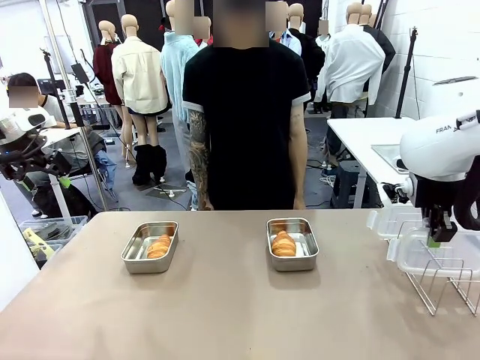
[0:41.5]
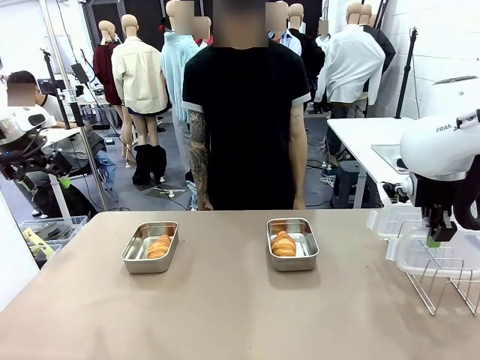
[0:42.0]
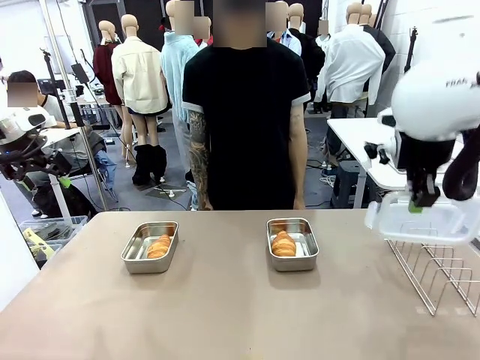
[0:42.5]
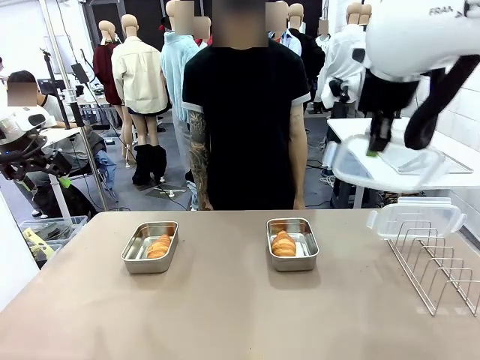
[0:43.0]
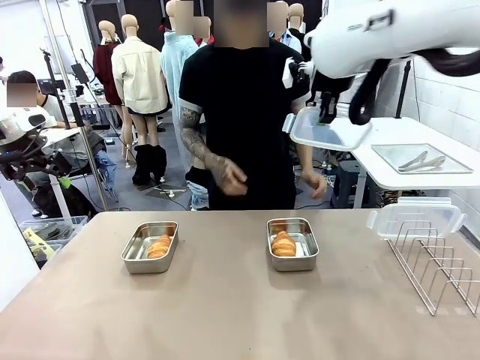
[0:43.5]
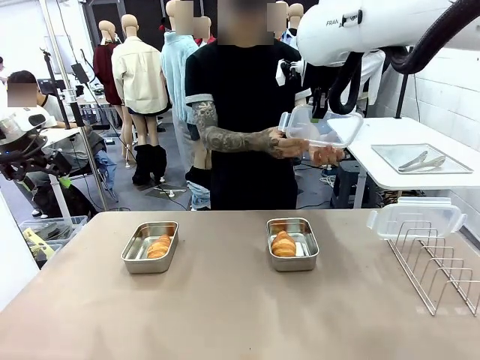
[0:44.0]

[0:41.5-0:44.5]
Task: Place the bread in airtight containers.
Robot: Release when the human grabs the Airtight Container lid.

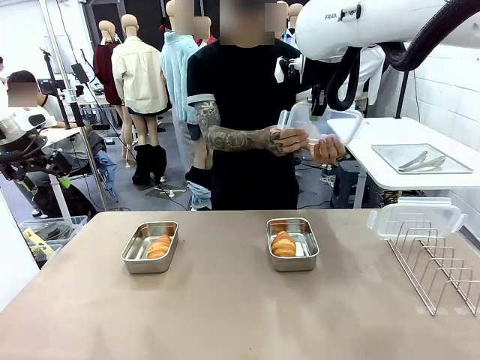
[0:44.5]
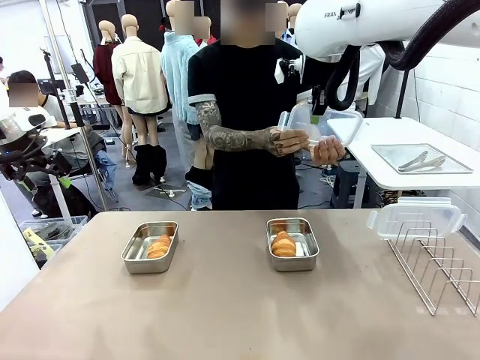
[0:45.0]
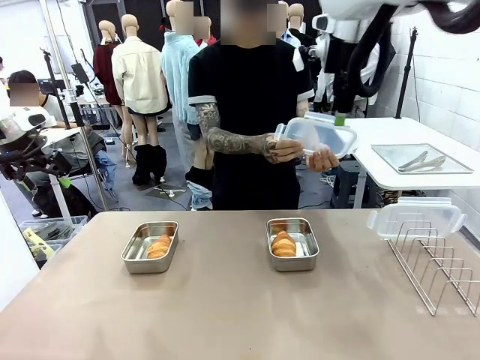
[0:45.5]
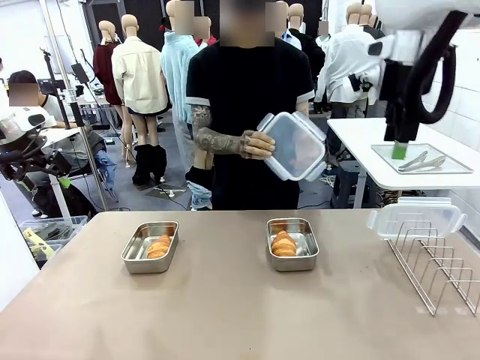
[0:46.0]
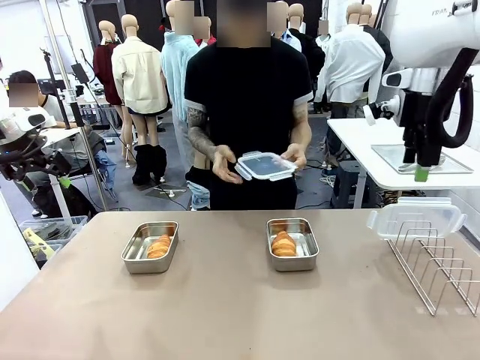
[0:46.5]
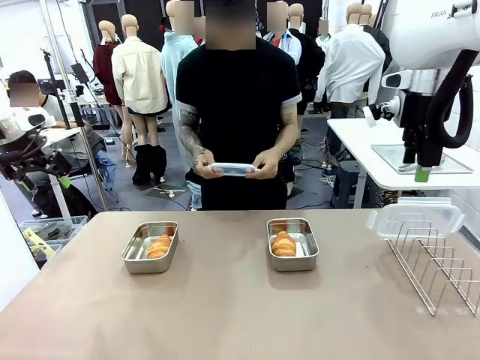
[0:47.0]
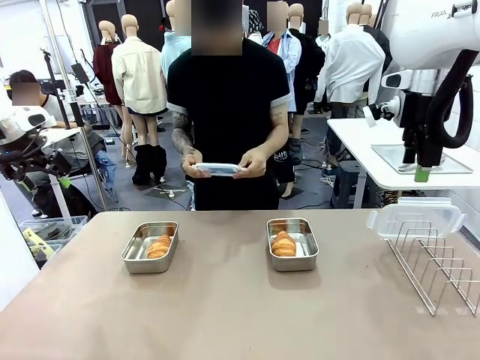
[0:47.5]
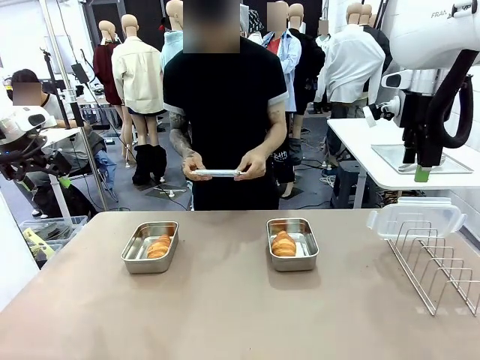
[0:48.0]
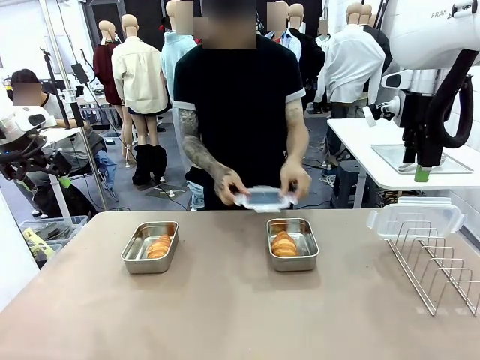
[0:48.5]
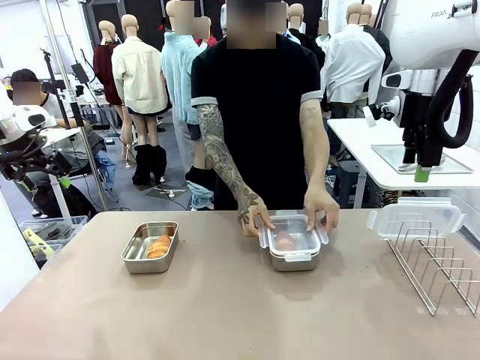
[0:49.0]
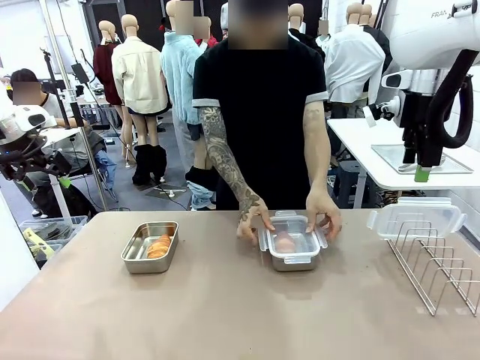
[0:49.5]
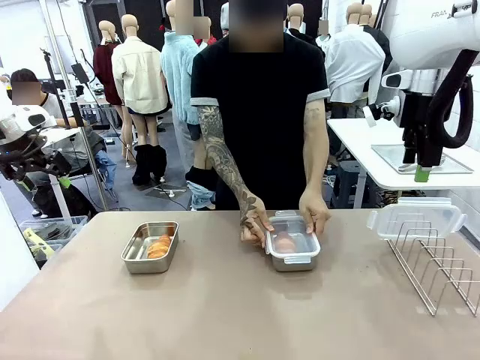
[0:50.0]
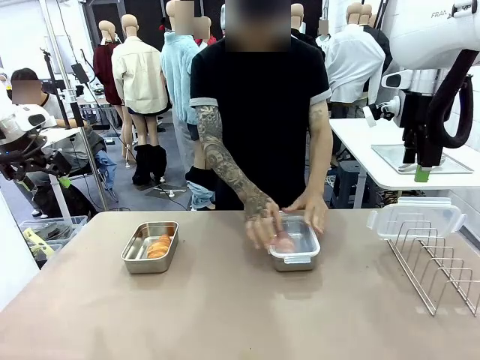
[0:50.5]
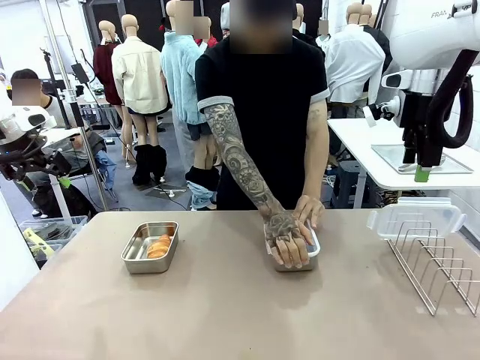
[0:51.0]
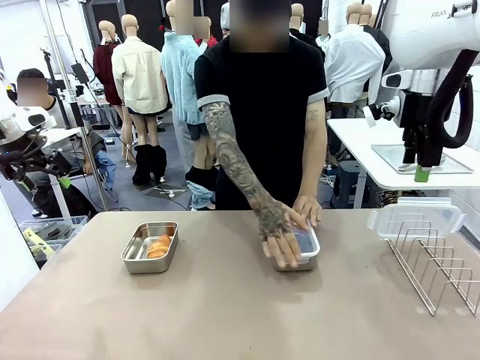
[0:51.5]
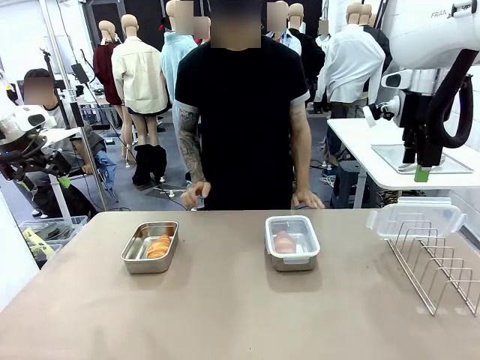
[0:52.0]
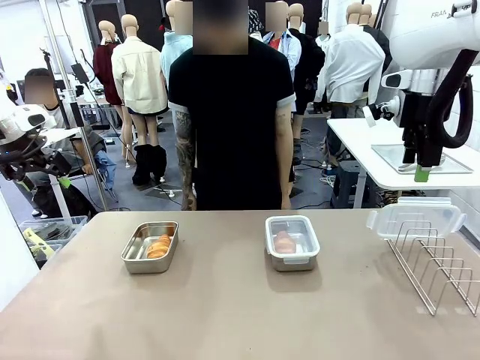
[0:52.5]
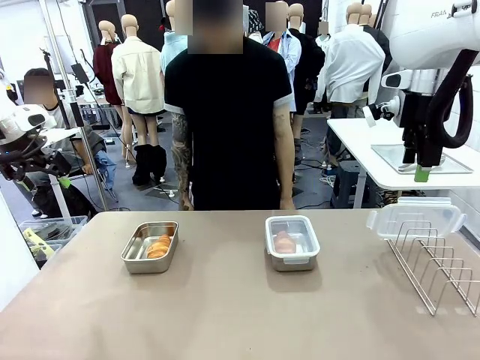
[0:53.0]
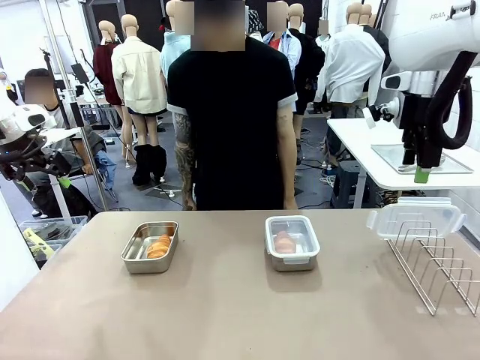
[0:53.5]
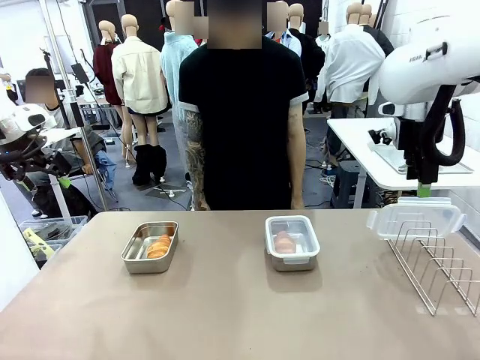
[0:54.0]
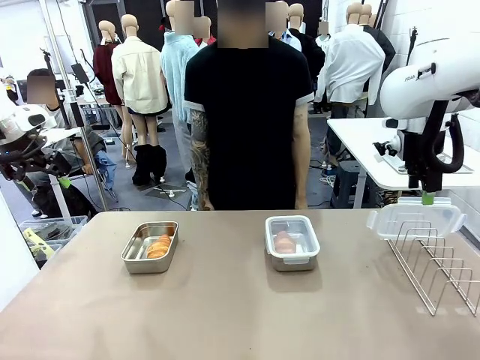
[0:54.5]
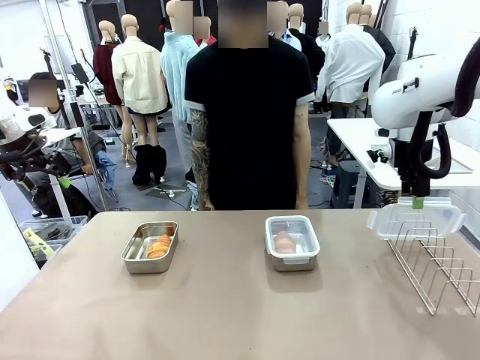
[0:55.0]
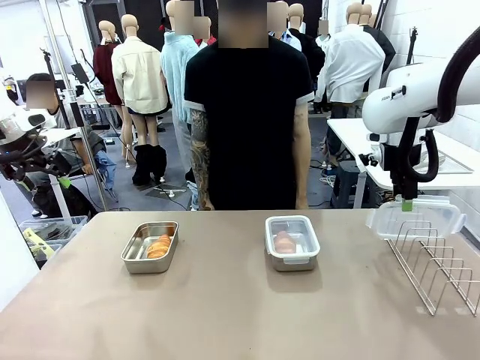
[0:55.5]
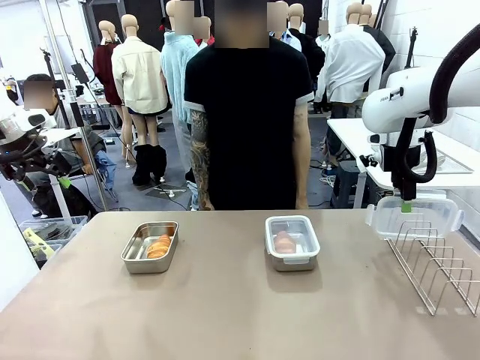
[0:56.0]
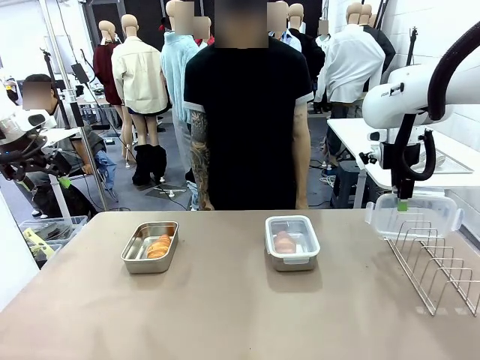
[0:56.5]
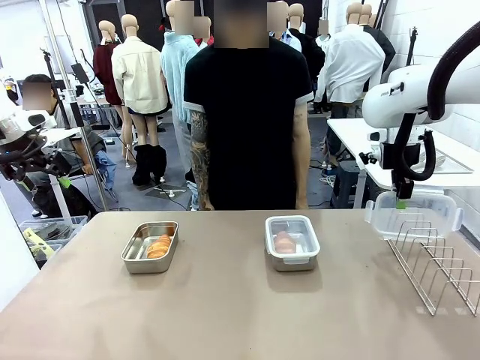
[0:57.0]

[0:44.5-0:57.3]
Robot: Pick up one Airtight Container lid and hand it to the human.
Person: Close Airtight Container with a handed Airtight Container lid.

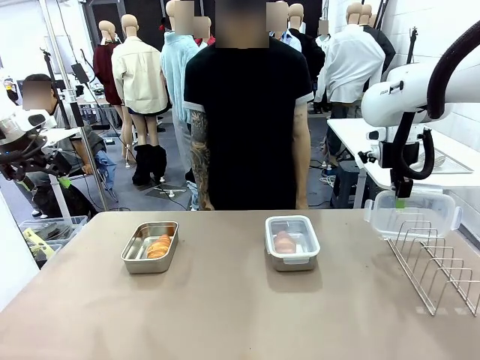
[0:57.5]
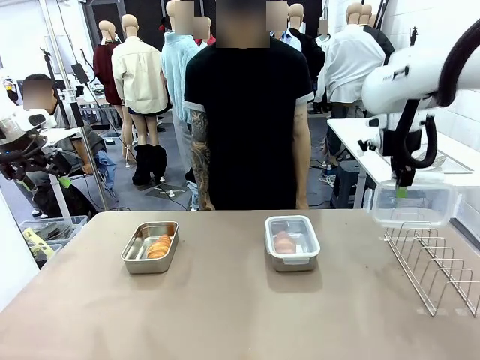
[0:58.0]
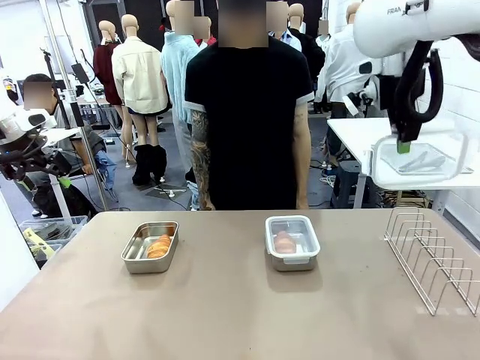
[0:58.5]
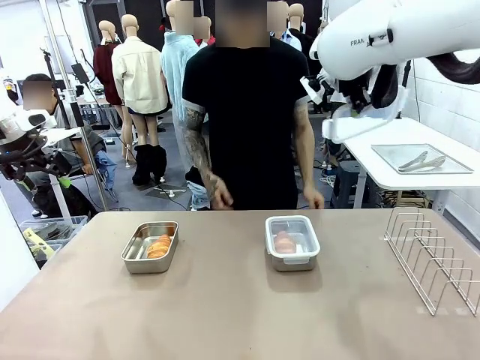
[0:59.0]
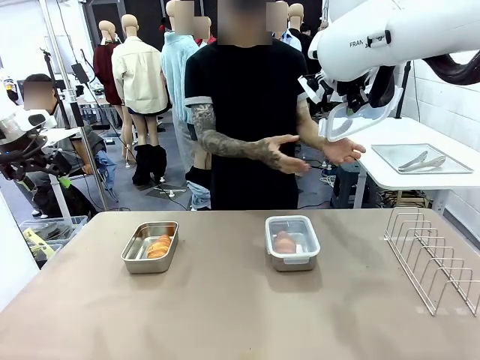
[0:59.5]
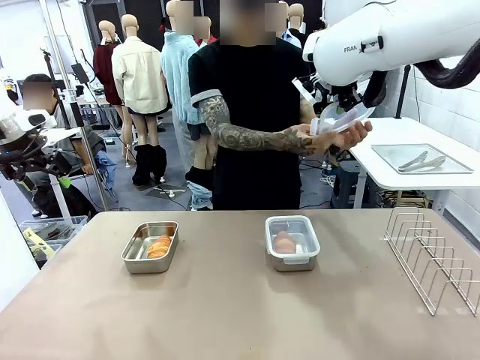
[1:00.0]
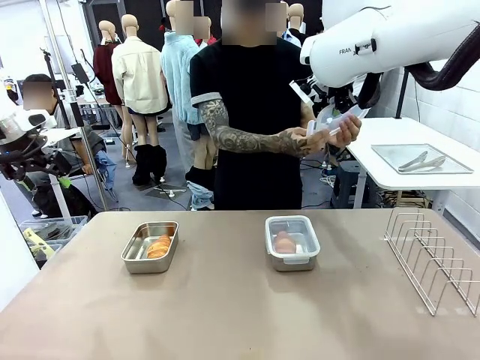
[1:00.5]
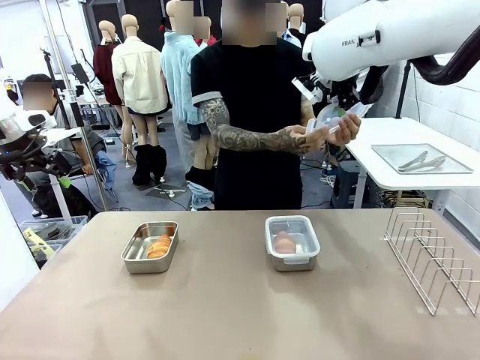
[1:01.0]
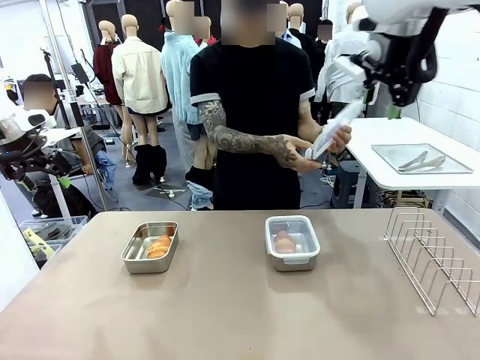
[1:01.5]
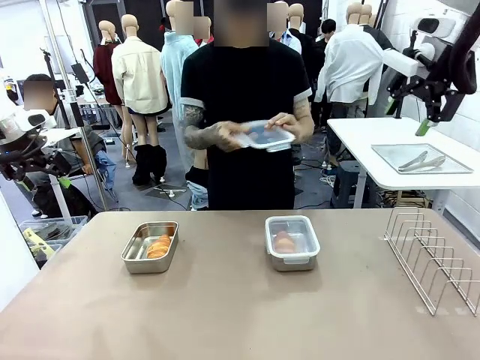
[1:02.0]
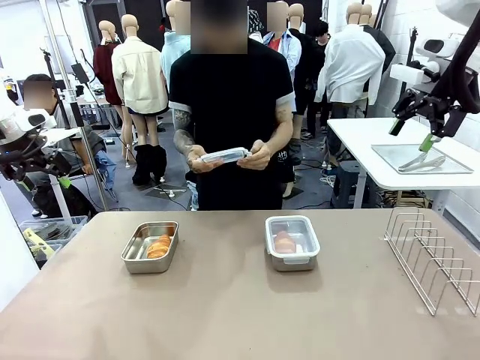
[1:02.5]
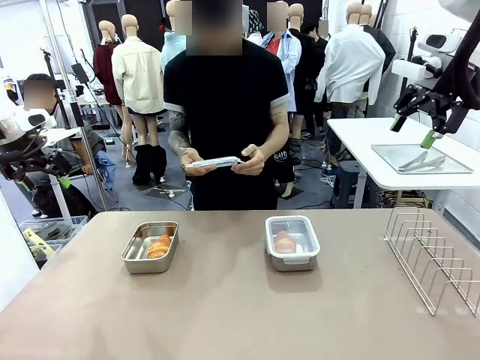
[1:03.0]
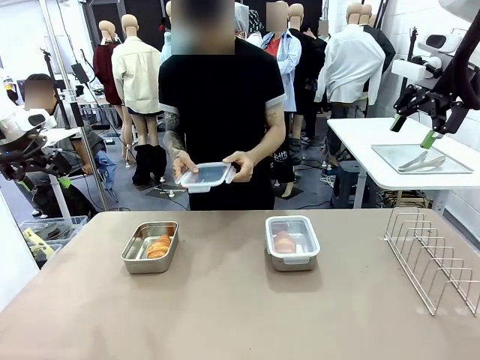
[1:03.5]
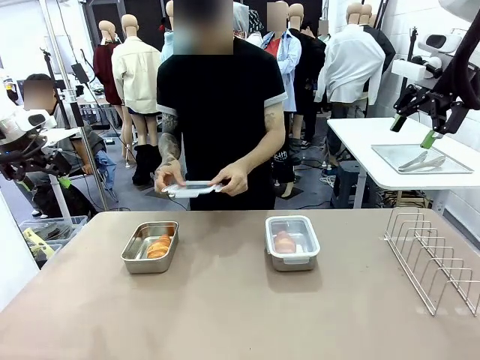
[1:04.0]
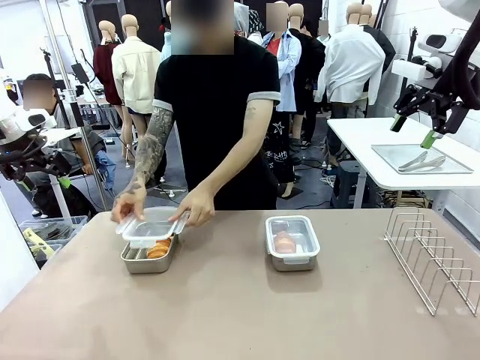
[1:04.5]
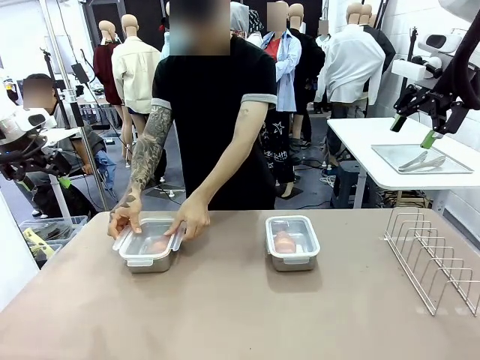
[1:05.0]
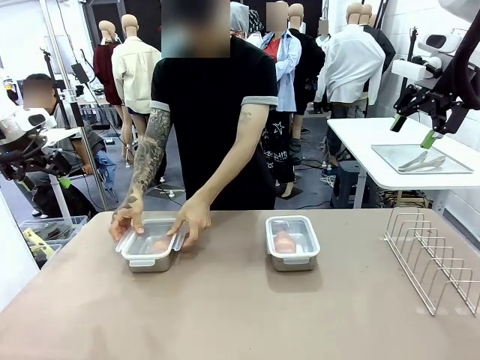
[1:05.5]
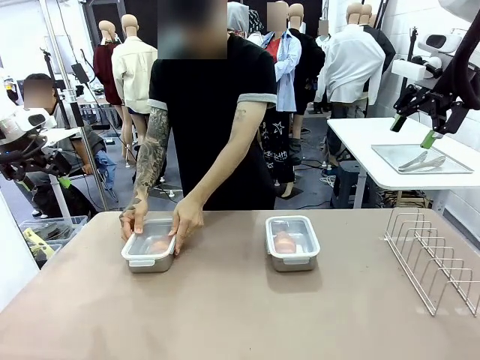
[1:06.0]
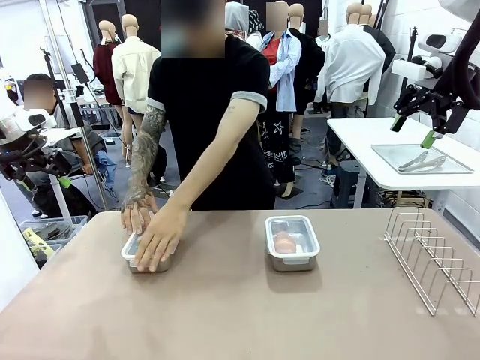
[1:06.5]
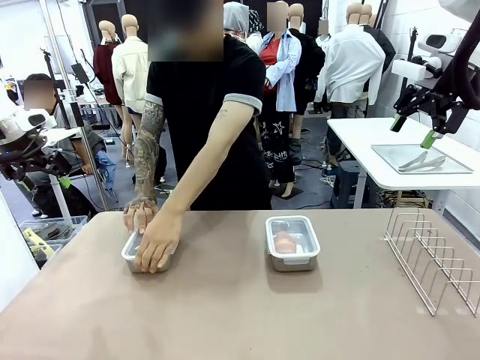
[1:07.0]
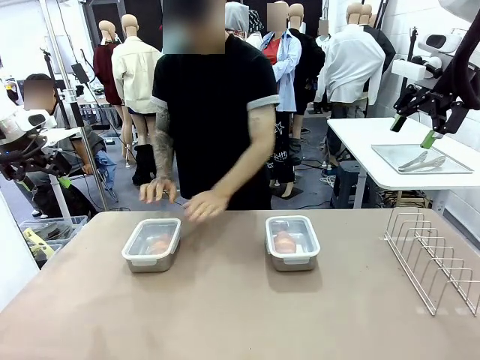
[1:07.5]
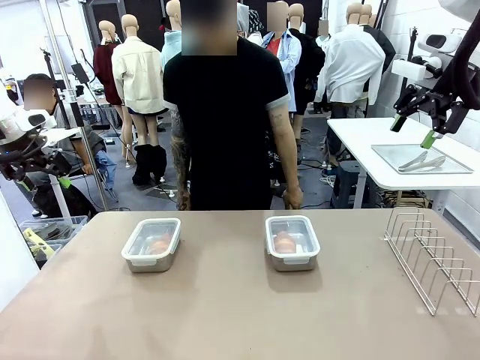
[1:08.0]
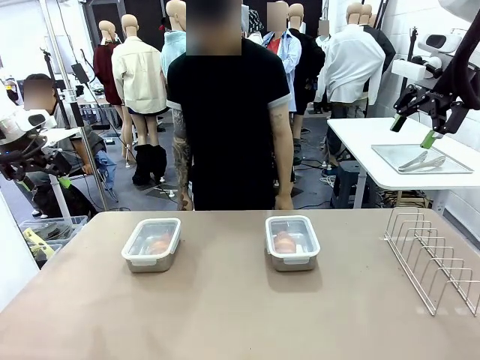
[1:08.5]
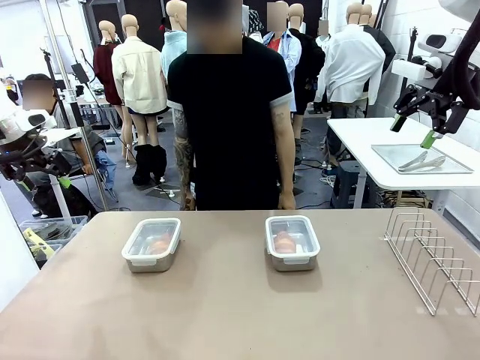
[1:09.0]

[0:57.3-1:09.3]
Robot: Release when the human grabs the Airtight Container lid.
Person: Grip Airtight Container lid that robot is handing. Close Airtight Container with a handed Airtight Container lid.
